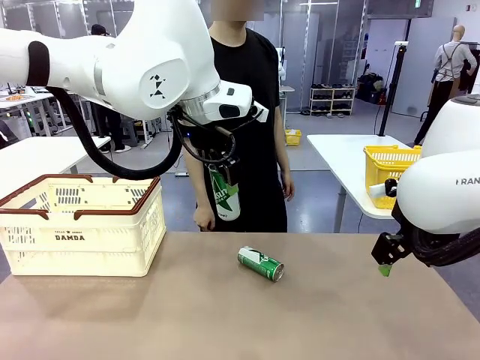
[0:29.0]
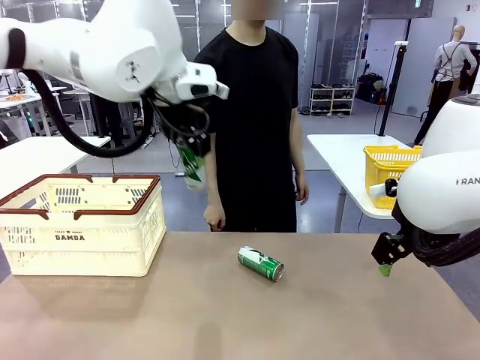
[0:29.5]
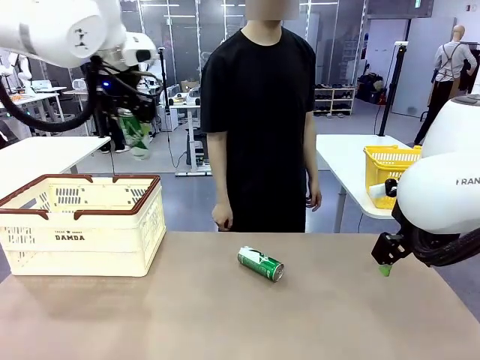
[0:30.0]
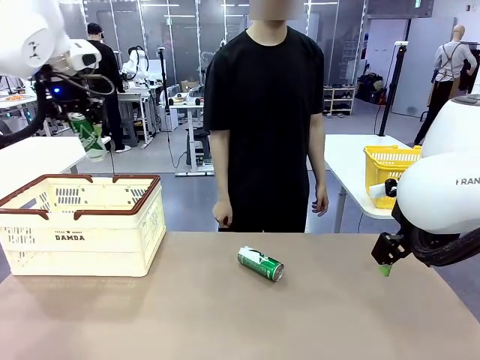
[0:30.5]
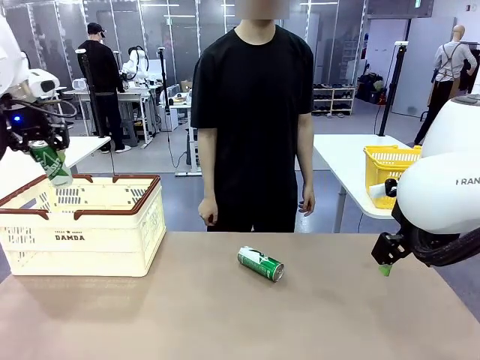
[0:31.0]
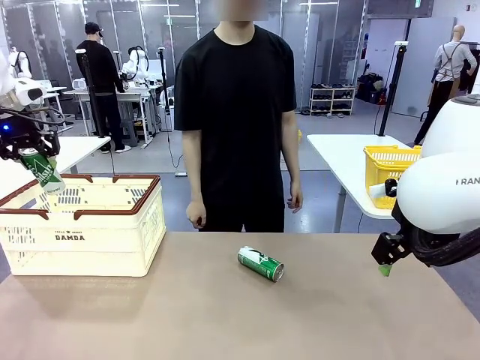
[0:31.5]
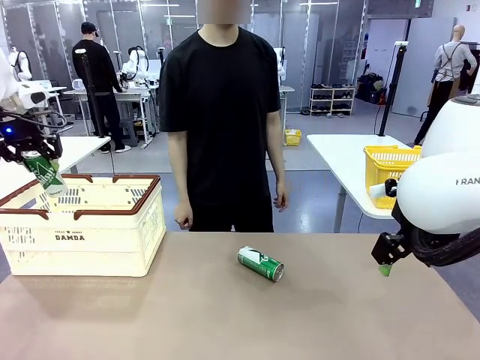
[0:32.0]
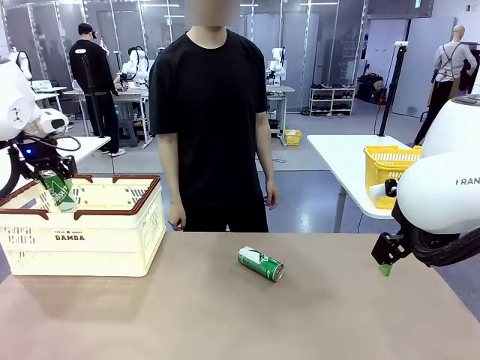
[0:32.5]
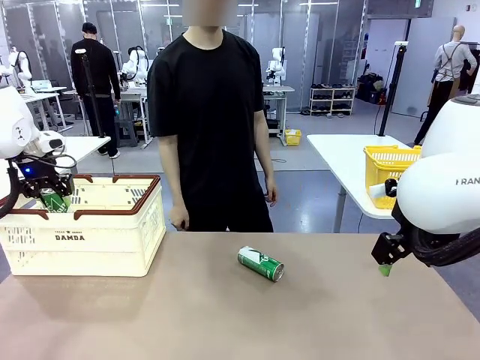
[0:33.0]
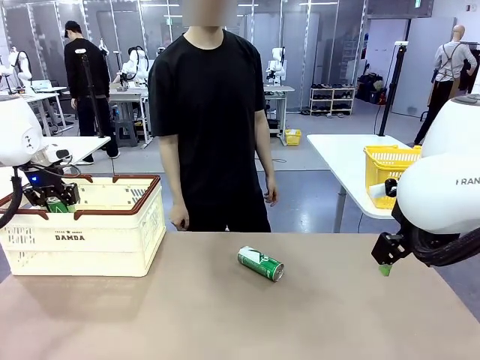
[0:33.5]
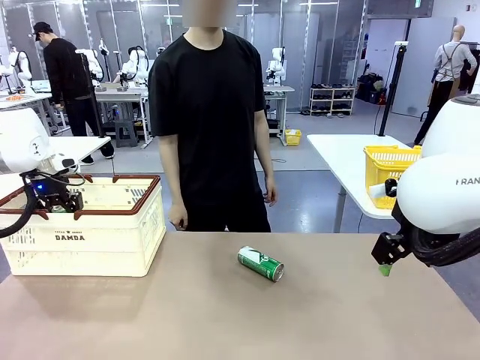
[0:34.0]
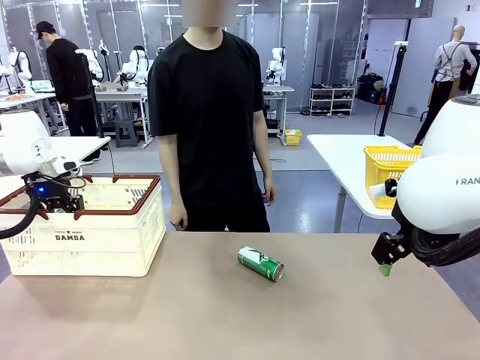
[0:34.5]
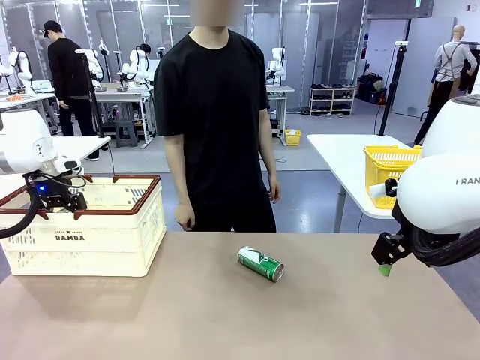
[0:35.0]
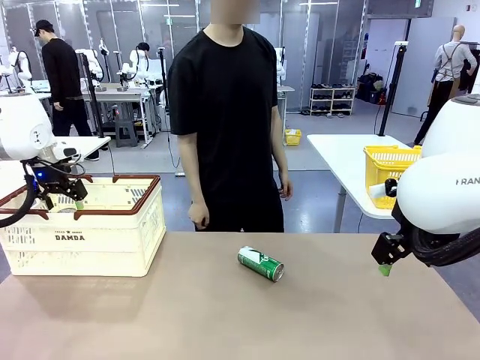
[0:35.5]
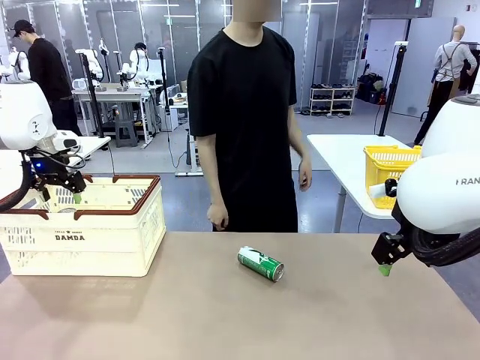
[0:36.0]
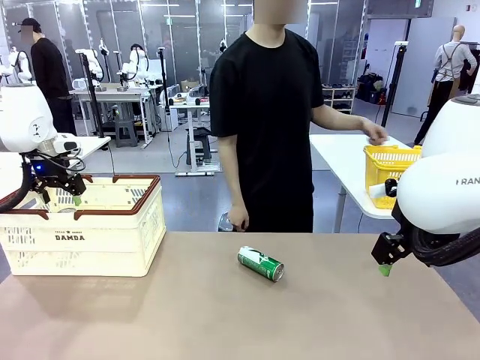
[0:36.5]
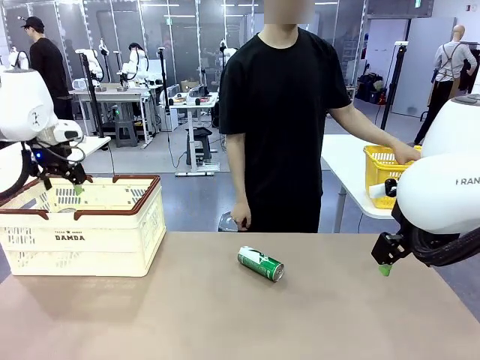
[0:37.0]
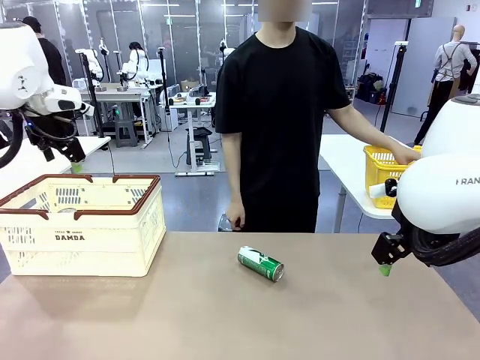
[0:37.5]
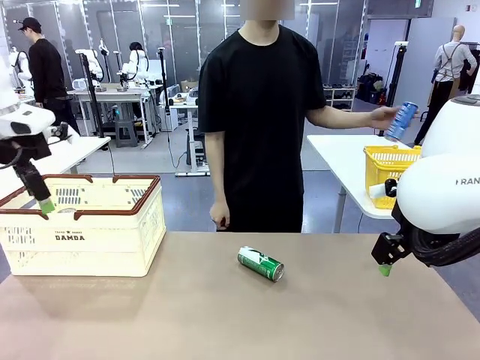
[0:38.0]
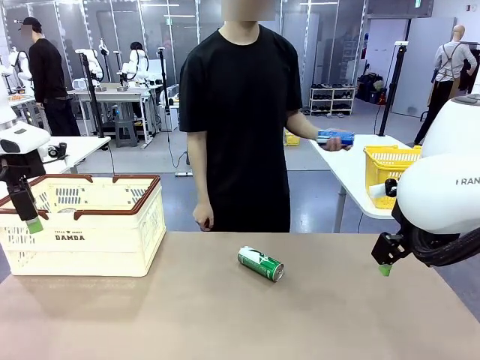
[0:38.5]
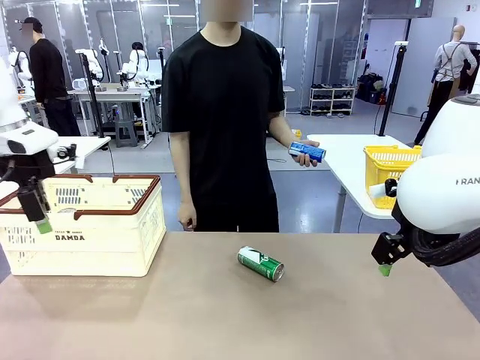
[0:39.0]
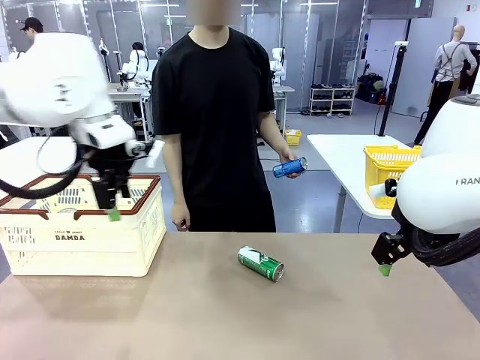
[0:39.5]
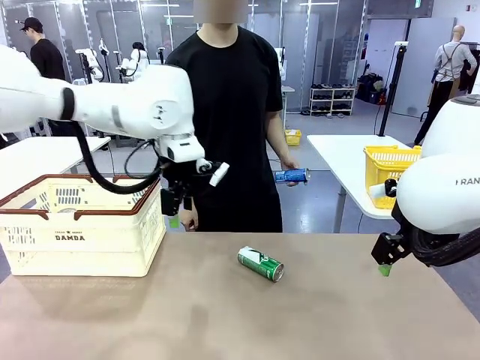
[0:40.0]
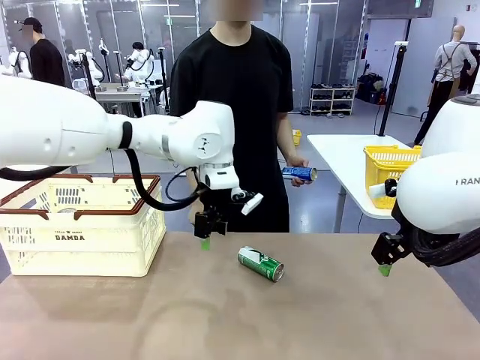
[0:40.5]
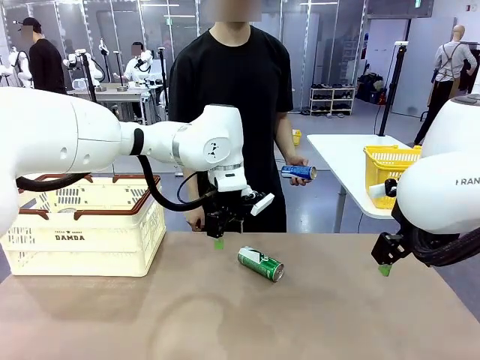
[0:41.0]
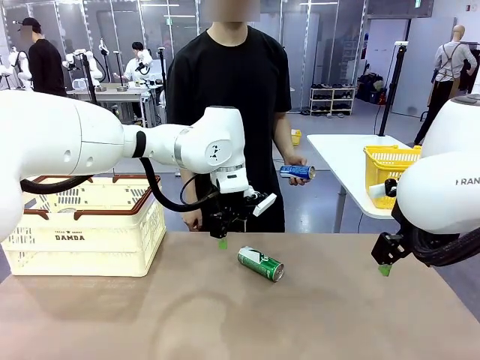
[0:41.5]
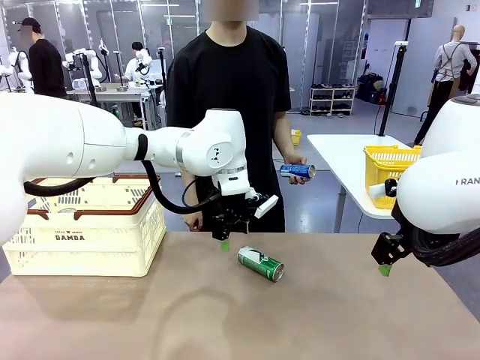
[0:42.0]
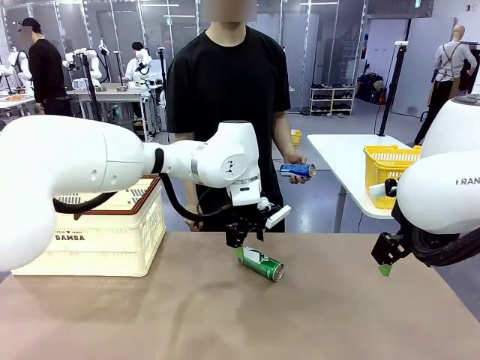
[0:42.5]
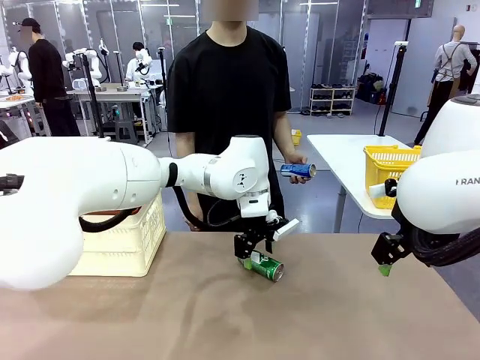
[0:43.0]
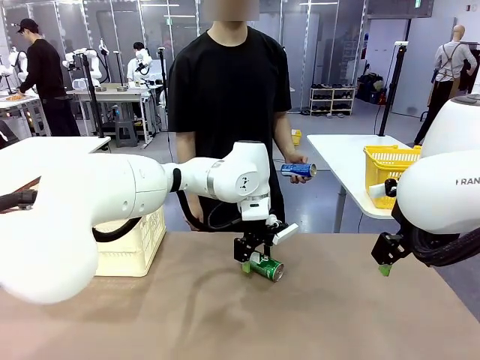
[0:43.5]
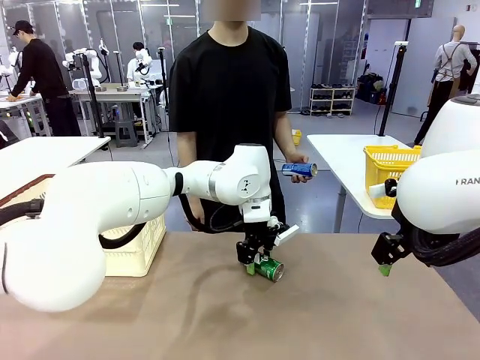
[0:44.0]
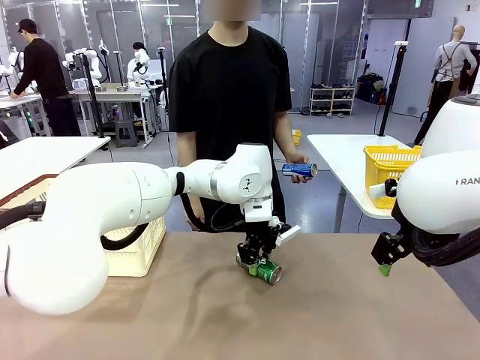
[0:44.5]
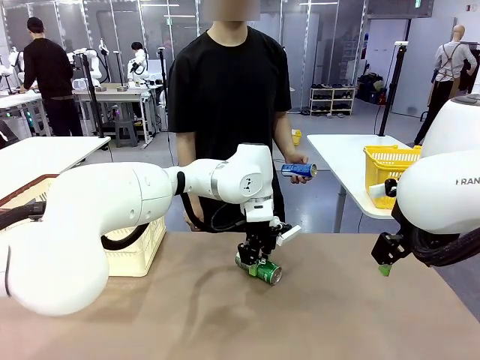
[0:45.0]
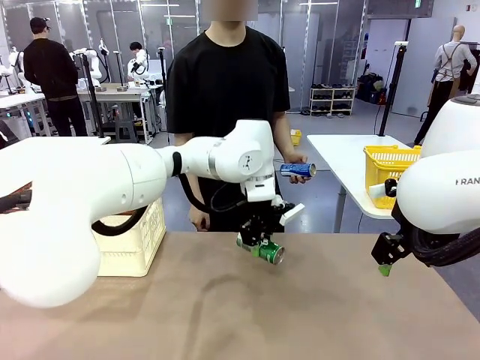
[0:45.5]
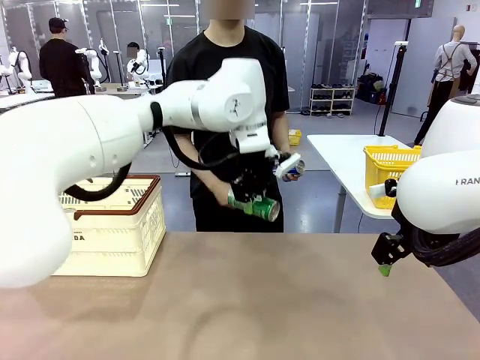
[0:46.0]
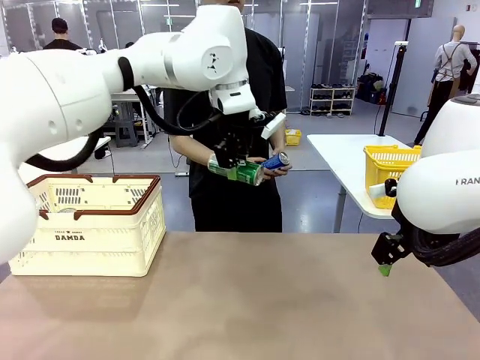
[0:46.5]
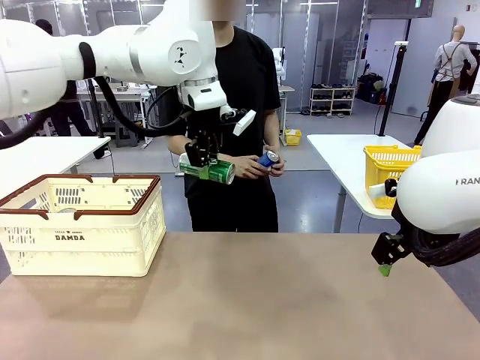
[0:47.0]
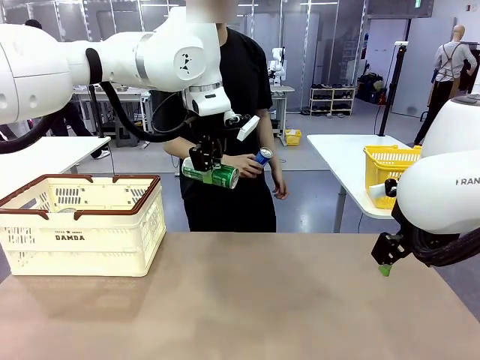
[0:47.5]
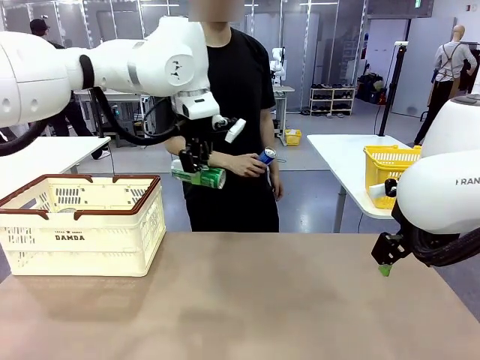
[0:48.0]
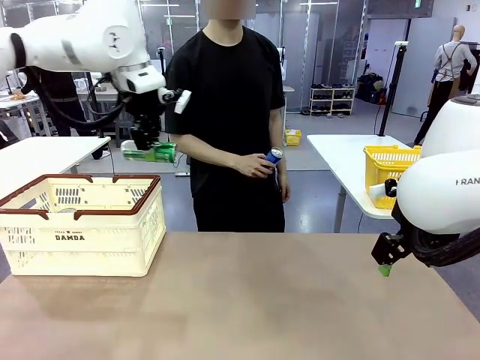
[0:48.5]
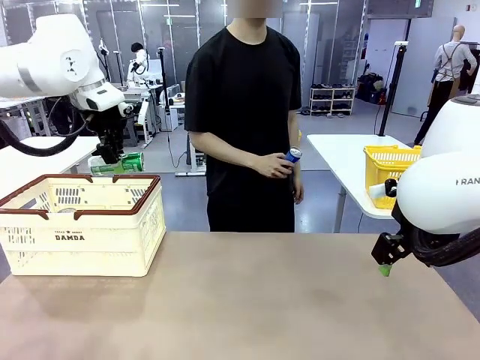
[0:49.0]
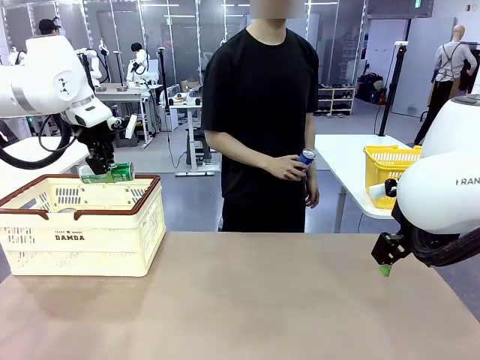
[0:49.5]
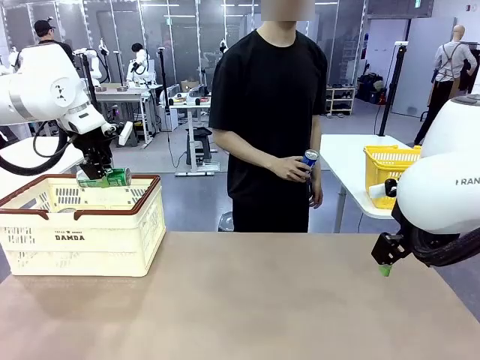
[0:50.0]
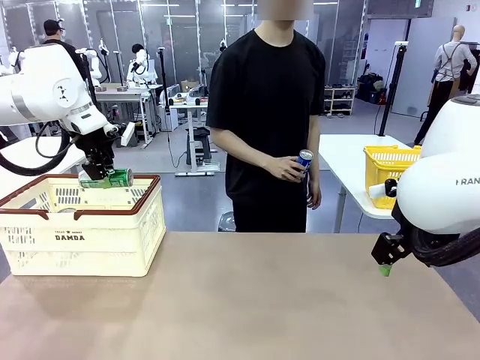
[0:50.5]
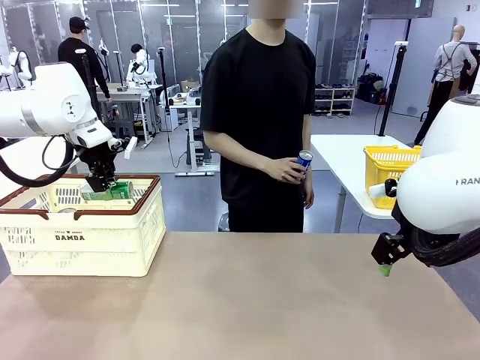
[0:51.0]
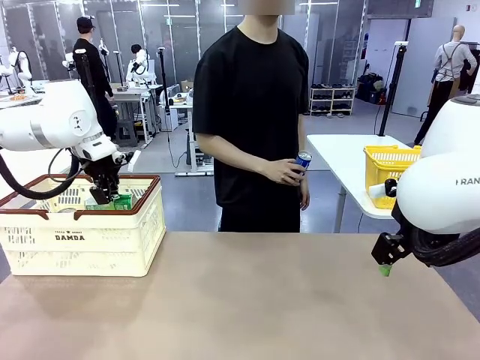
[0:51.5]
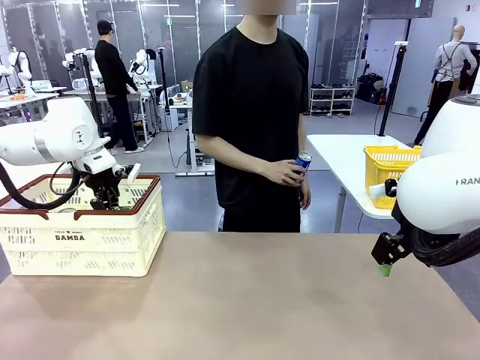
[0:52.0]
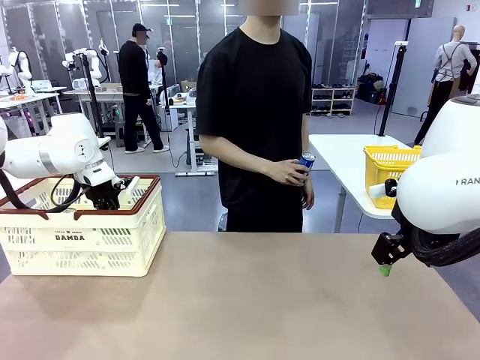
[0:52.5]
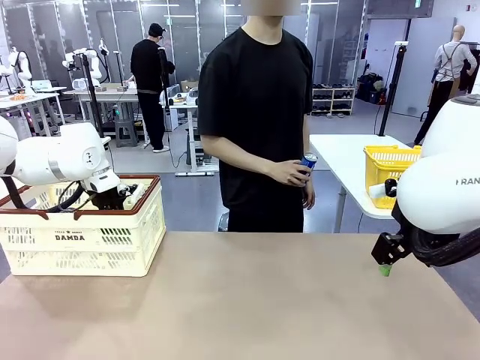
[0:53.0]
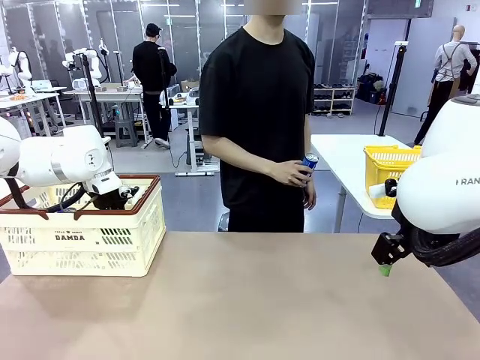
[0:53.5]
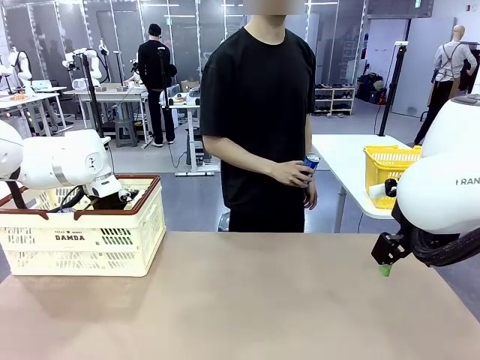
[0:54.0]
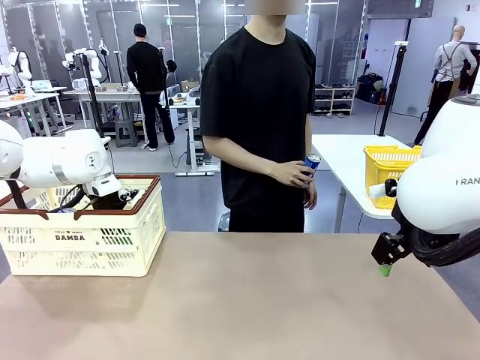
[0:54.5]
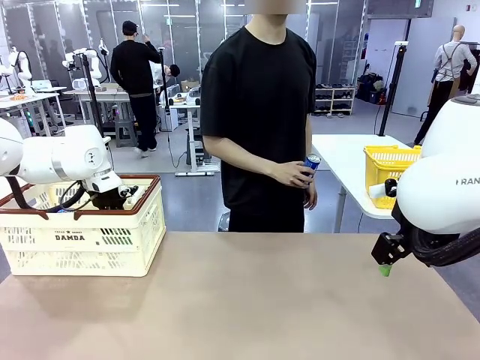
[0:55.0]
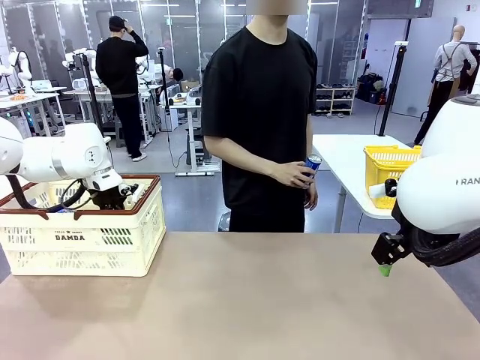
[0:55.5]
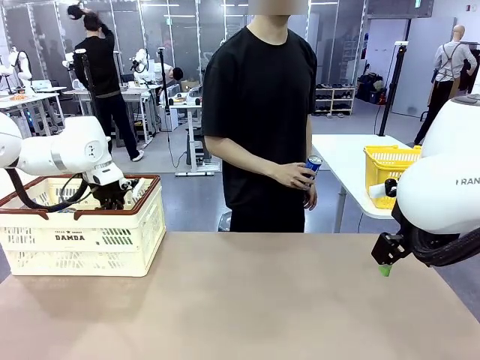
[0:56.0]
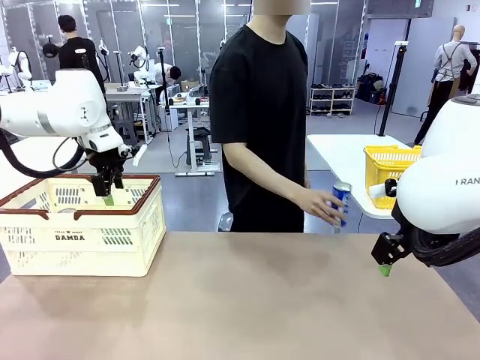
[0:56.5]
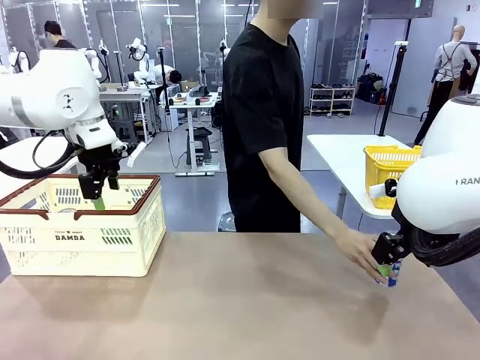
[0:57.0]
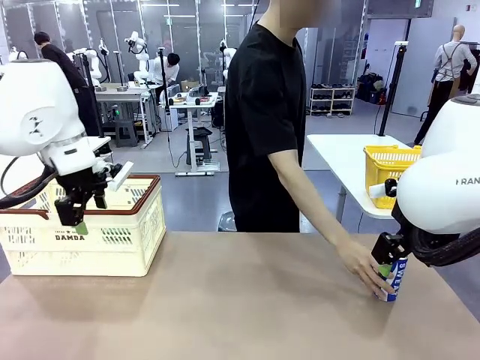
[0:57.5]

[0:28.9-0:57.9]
Task: Place the drinks into the Shopping basket.
Robot: Pick up one drink and place it into the Shopping basket.
